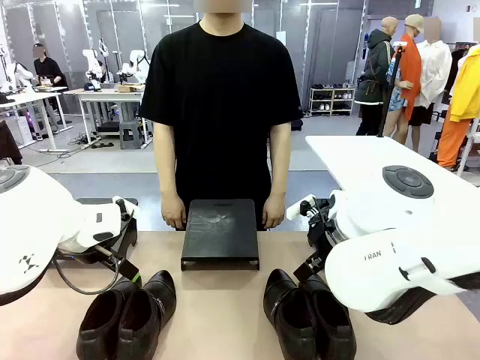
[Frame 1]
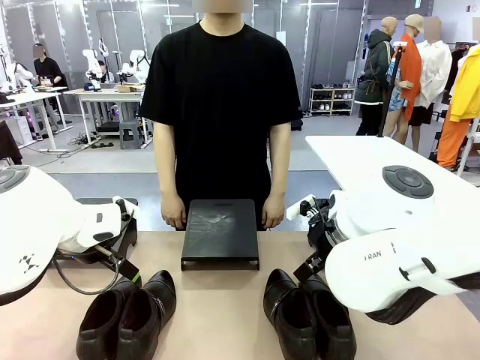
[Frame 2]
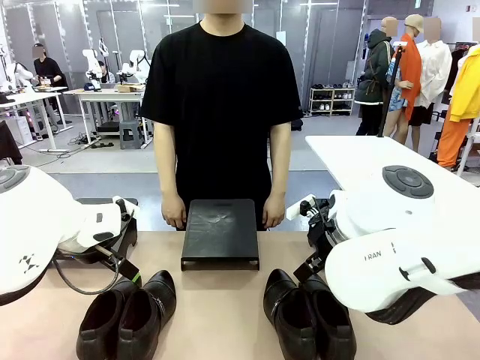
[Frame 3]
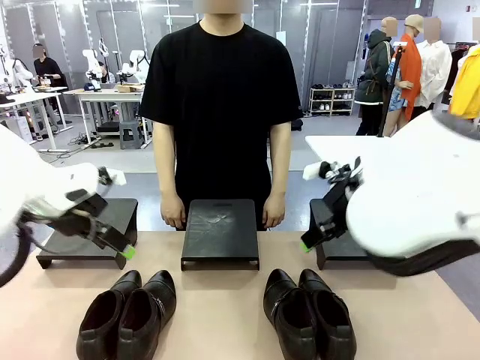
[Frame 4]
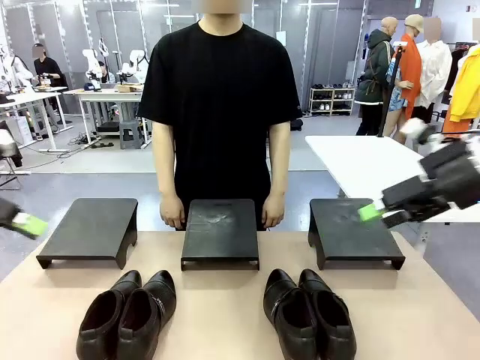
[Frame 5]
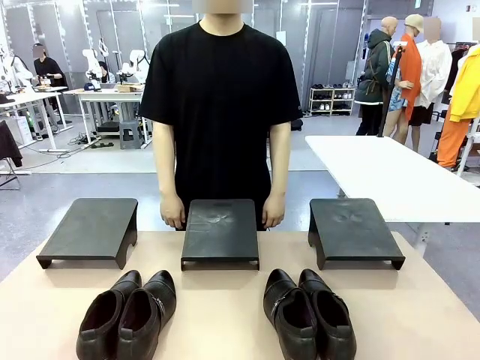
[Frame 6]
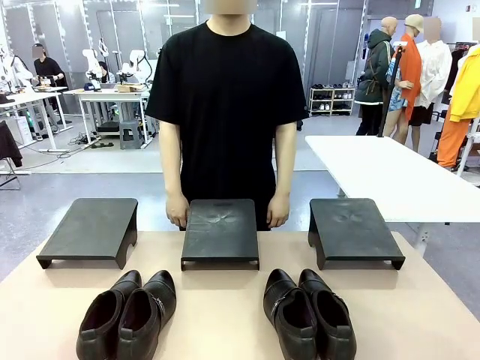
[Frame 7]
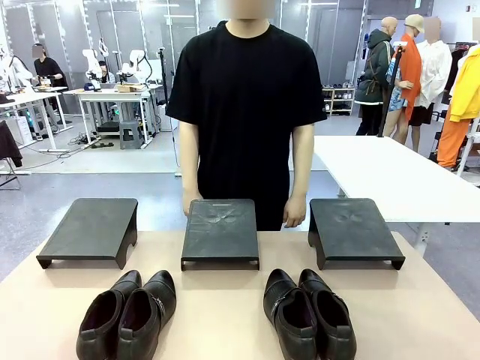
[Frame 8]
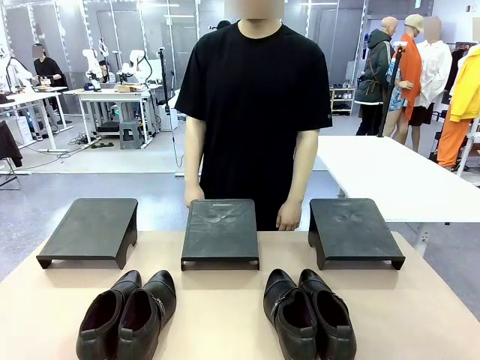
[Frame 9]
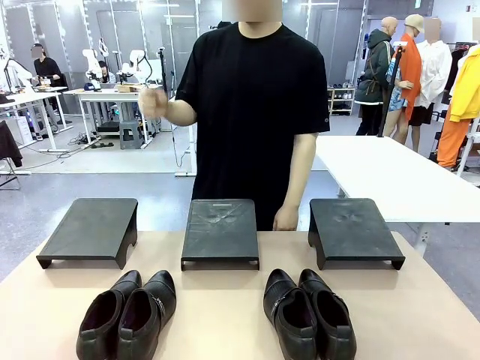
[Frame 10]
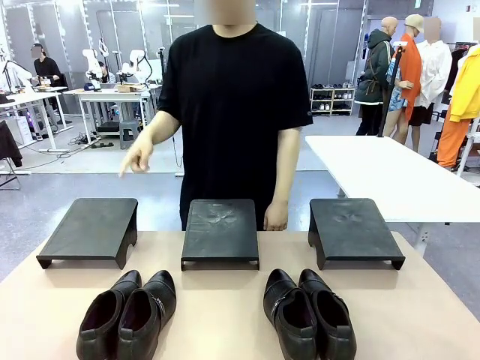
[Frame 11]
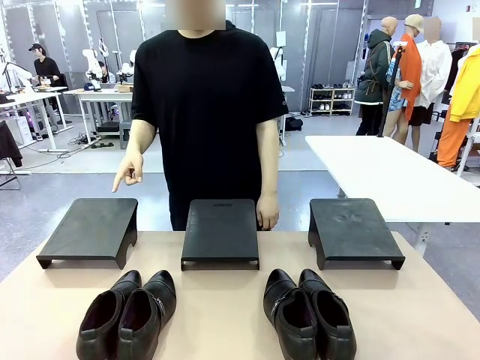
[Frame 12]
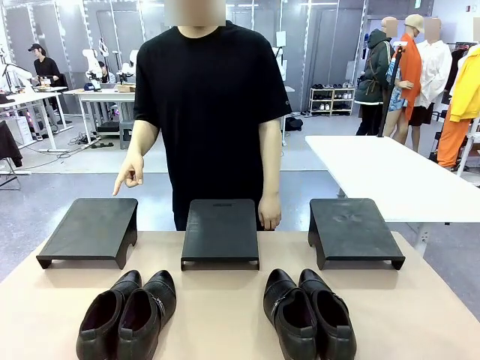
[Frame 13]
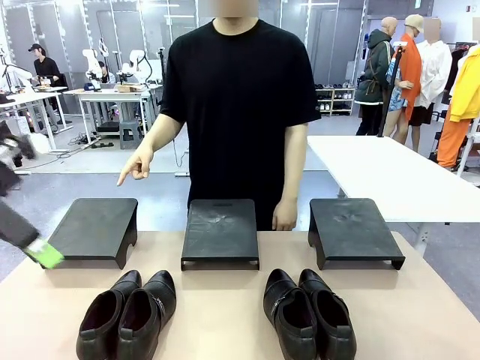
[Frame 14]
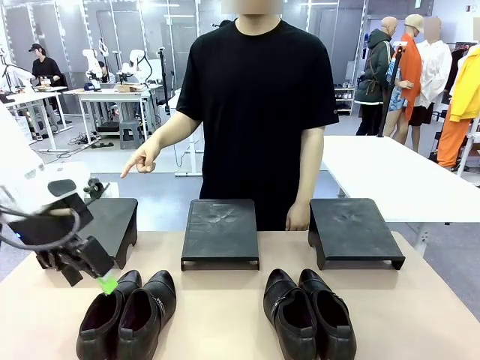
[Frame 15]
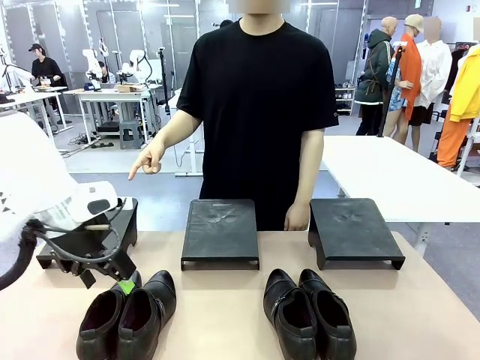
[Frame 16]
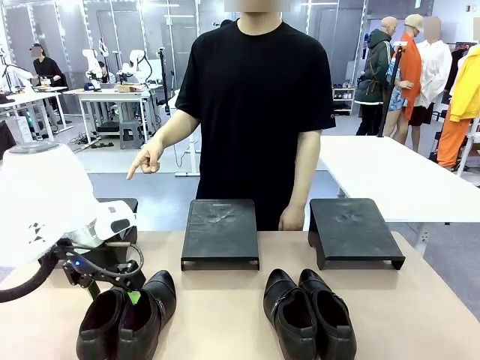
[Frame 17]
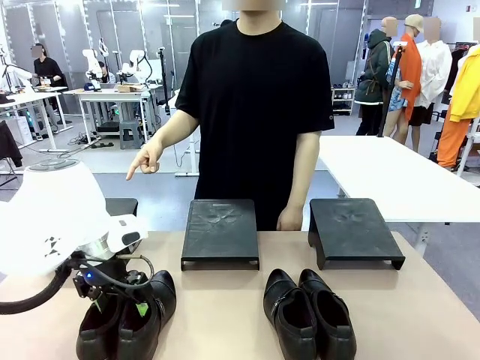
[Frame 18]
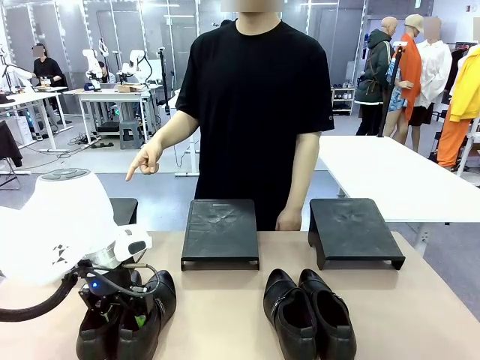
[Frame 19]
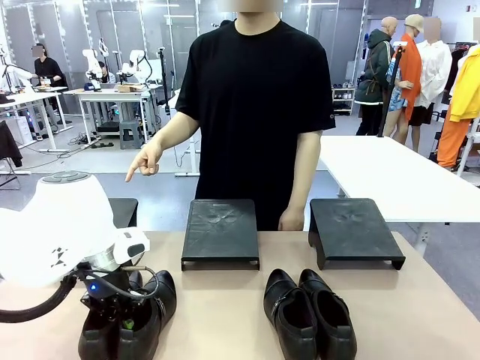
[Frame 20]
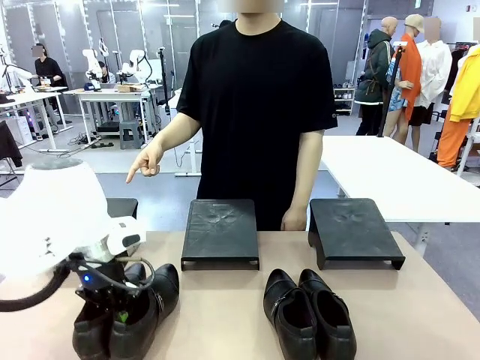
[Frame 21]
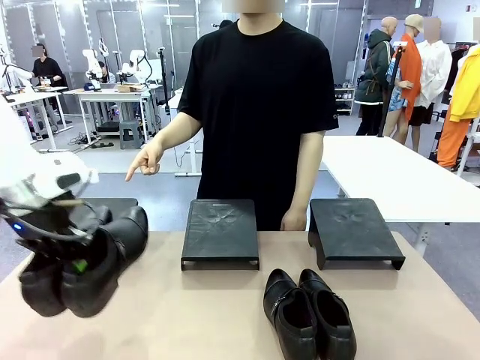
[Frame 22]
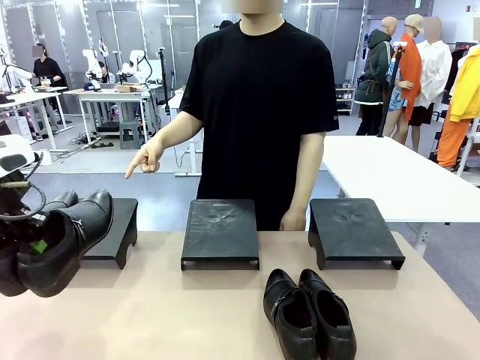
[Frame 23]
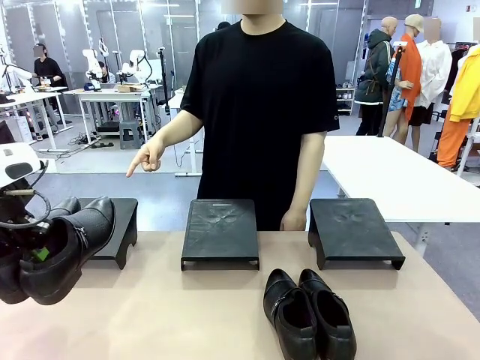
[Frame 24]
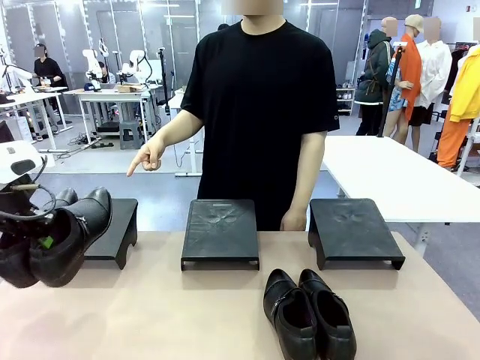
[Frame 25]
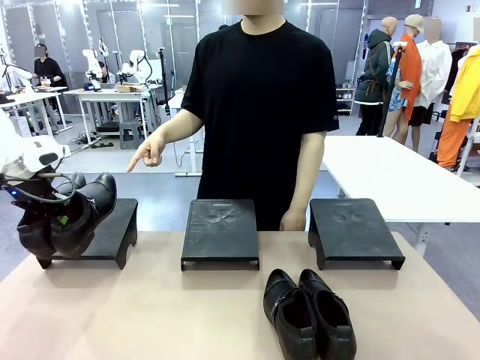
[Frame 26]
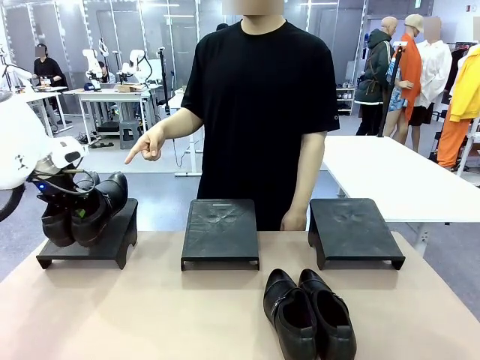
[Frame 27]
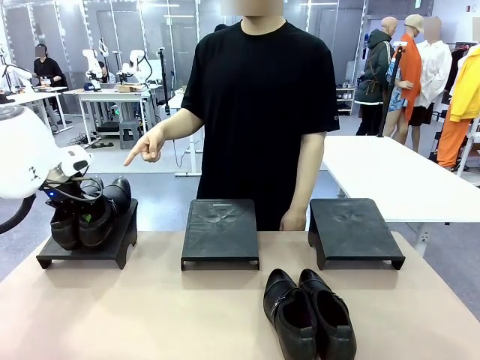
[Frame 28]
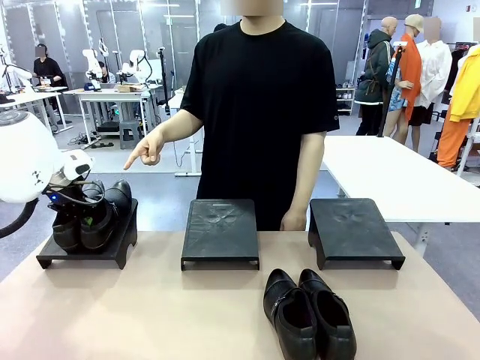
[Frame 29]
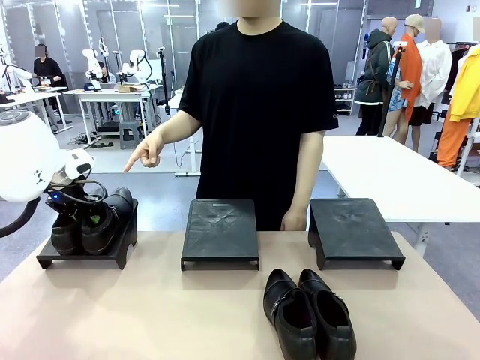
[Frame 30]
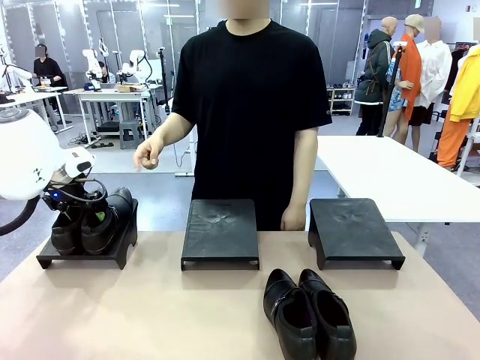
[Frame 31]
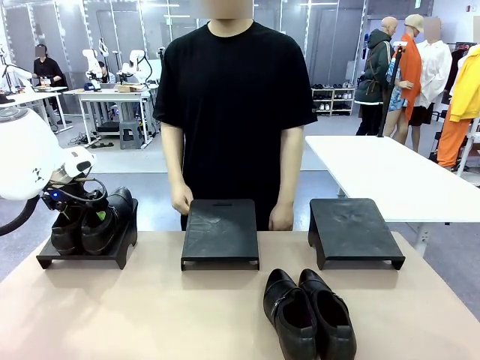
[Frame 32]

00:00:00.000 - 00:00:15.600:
Task: Place the shoes on the stand as instructed by the person.
Robot: Pick up one pair of Shoes and place it on the Shoes Stand indicated by the person.
